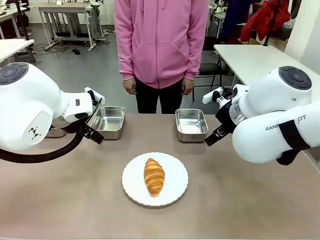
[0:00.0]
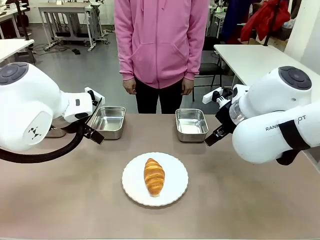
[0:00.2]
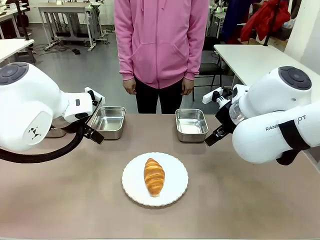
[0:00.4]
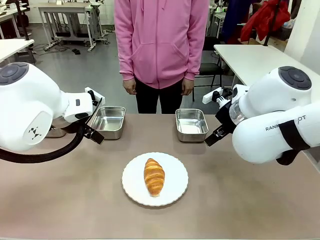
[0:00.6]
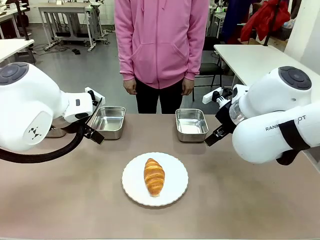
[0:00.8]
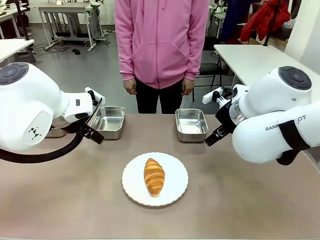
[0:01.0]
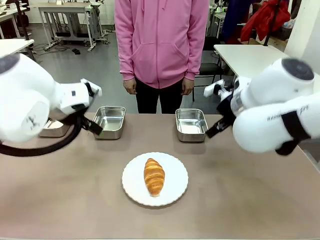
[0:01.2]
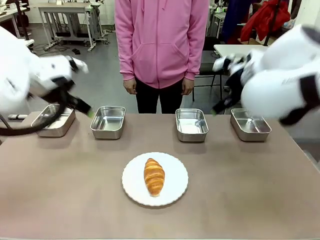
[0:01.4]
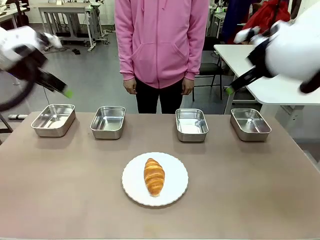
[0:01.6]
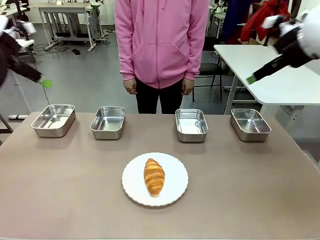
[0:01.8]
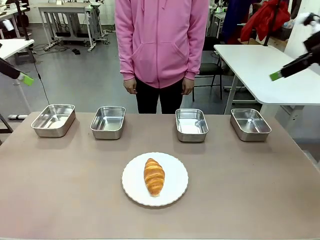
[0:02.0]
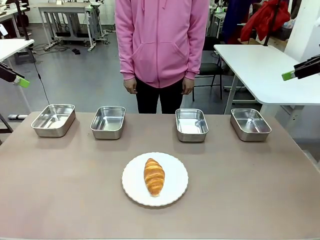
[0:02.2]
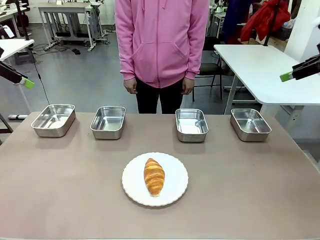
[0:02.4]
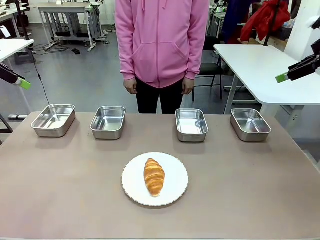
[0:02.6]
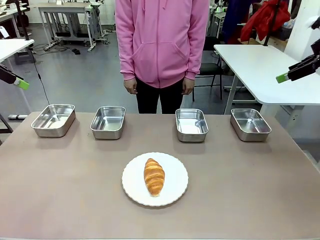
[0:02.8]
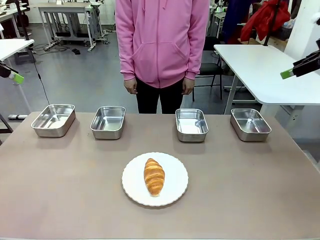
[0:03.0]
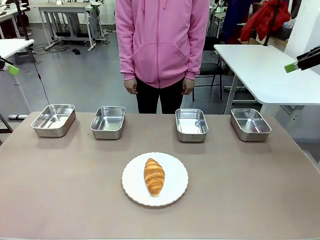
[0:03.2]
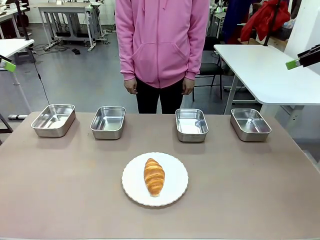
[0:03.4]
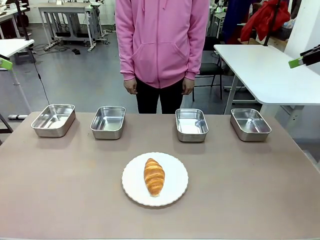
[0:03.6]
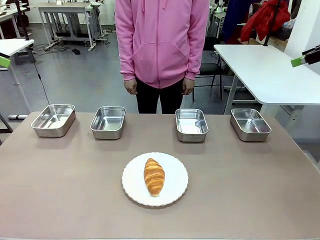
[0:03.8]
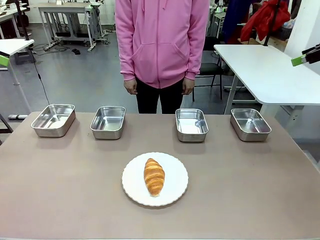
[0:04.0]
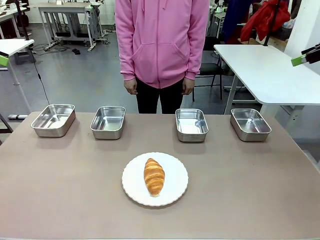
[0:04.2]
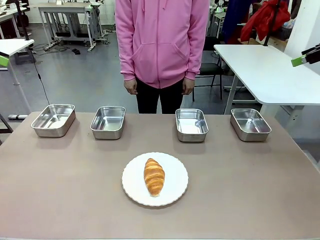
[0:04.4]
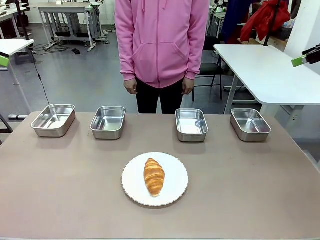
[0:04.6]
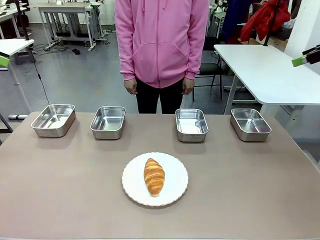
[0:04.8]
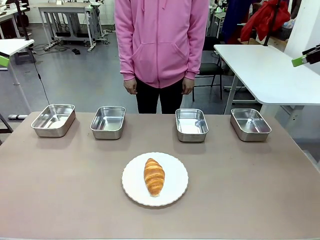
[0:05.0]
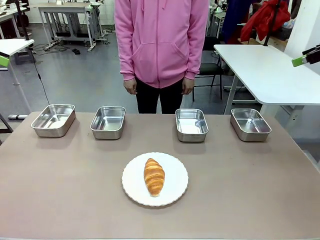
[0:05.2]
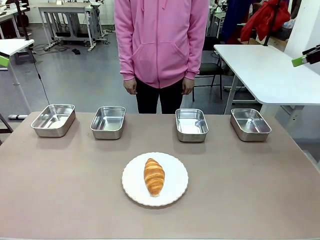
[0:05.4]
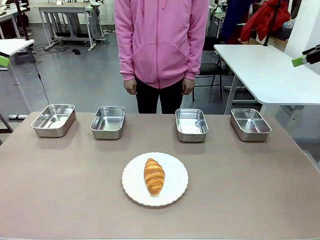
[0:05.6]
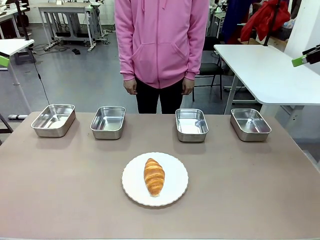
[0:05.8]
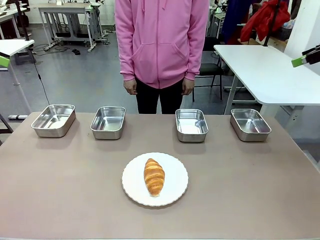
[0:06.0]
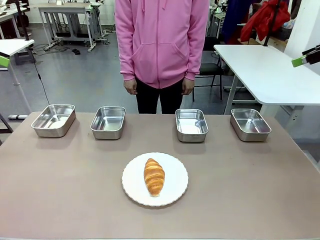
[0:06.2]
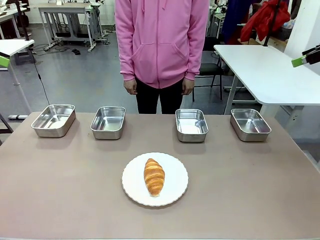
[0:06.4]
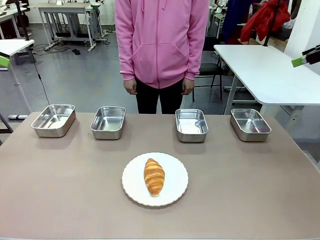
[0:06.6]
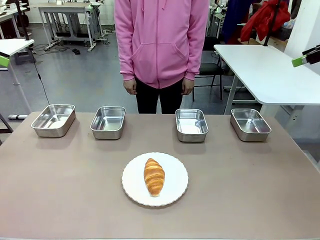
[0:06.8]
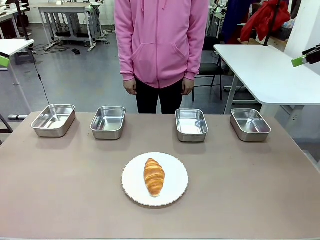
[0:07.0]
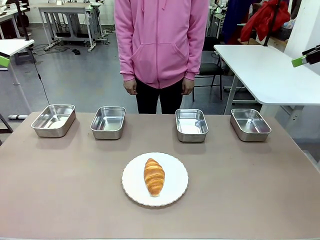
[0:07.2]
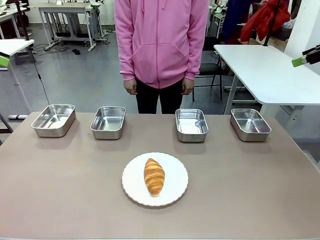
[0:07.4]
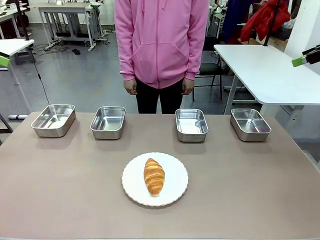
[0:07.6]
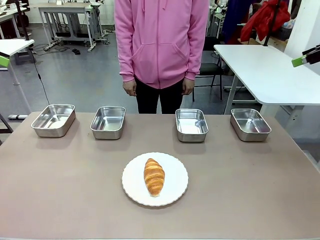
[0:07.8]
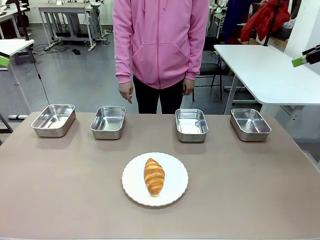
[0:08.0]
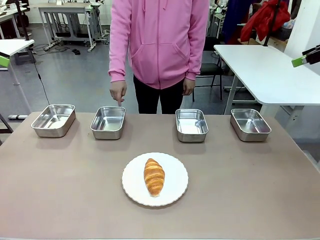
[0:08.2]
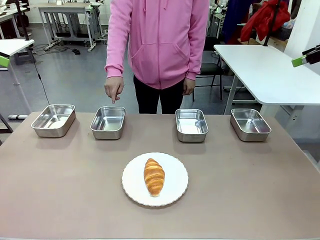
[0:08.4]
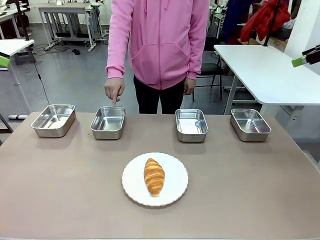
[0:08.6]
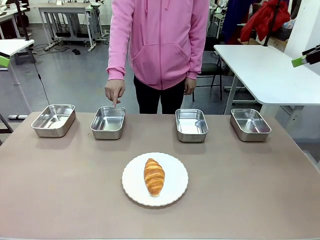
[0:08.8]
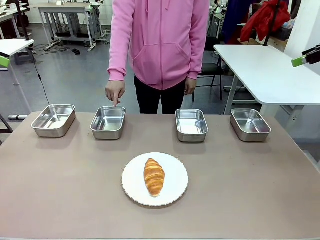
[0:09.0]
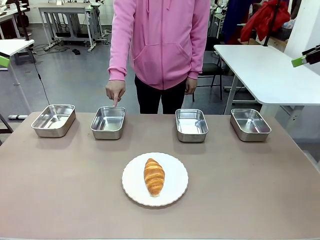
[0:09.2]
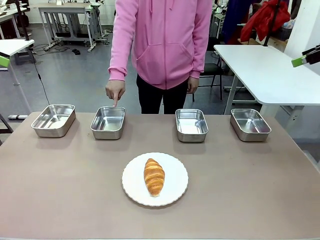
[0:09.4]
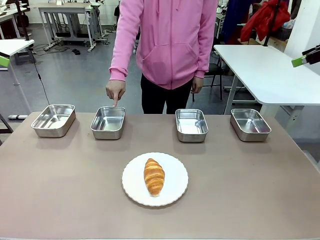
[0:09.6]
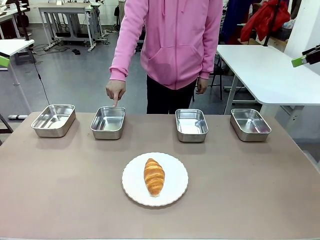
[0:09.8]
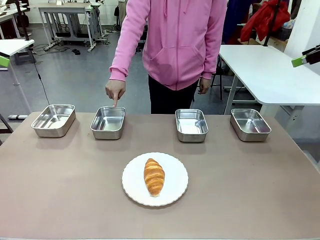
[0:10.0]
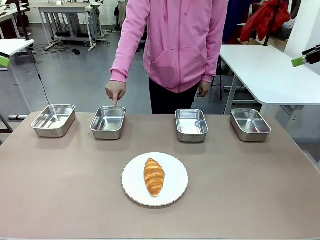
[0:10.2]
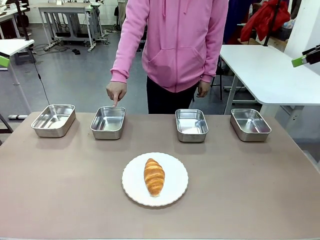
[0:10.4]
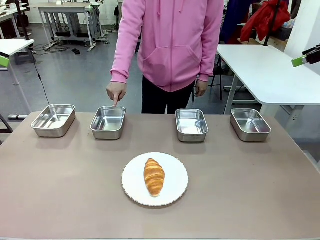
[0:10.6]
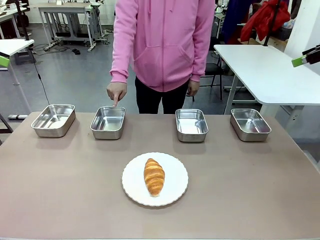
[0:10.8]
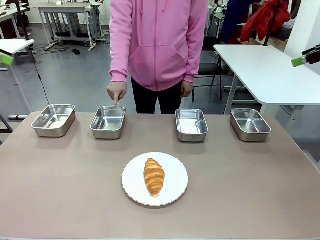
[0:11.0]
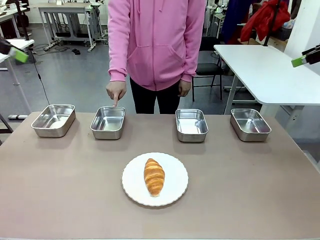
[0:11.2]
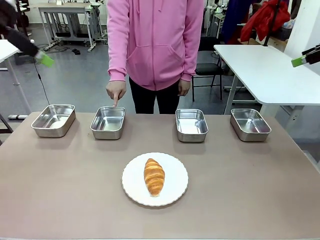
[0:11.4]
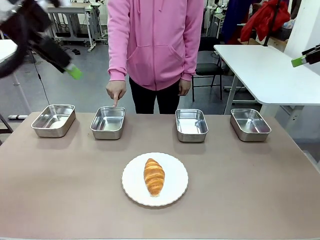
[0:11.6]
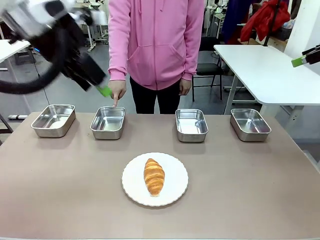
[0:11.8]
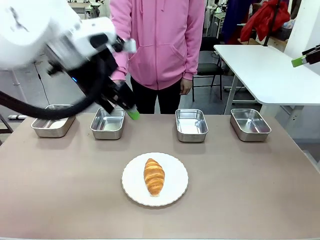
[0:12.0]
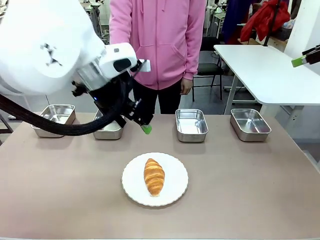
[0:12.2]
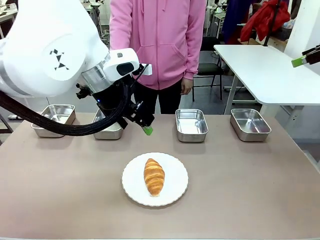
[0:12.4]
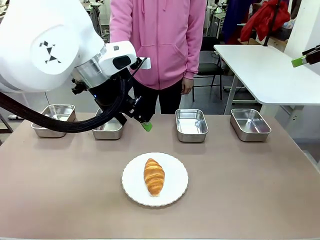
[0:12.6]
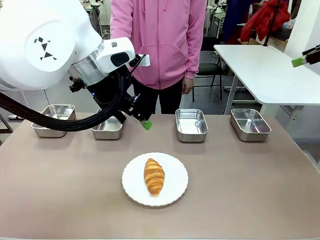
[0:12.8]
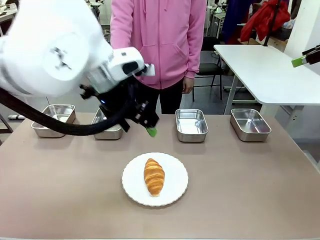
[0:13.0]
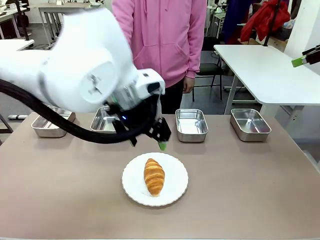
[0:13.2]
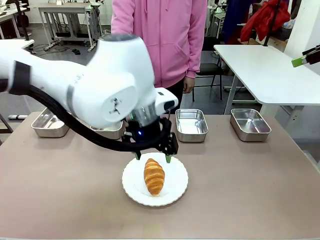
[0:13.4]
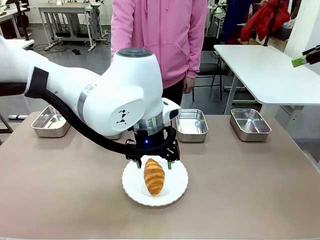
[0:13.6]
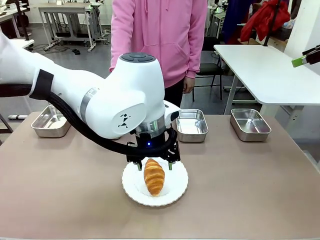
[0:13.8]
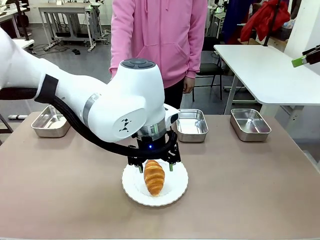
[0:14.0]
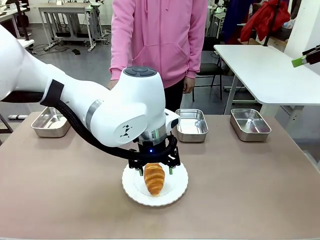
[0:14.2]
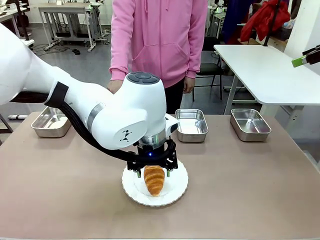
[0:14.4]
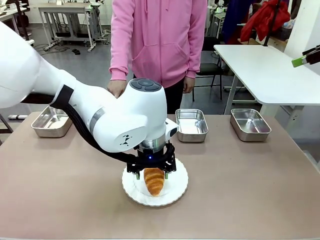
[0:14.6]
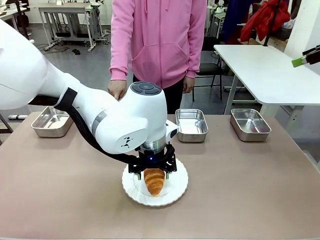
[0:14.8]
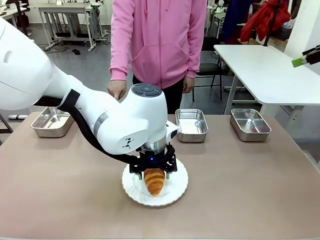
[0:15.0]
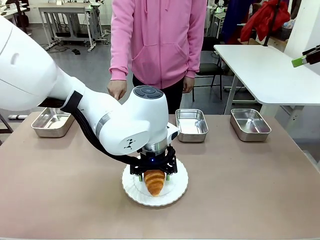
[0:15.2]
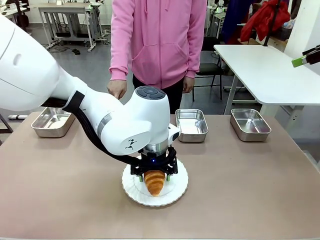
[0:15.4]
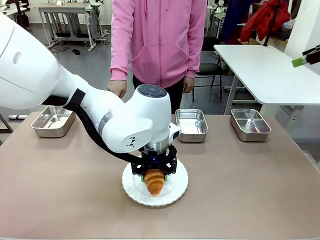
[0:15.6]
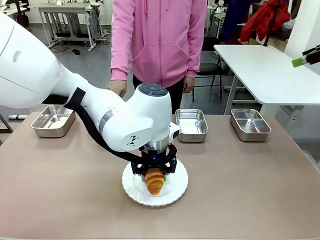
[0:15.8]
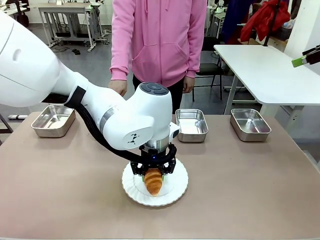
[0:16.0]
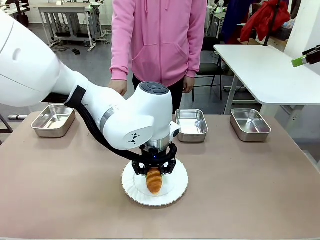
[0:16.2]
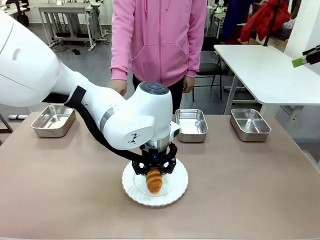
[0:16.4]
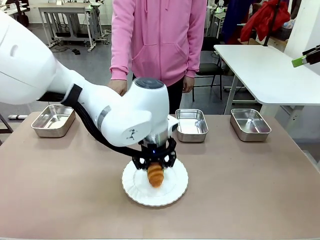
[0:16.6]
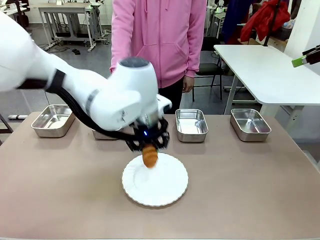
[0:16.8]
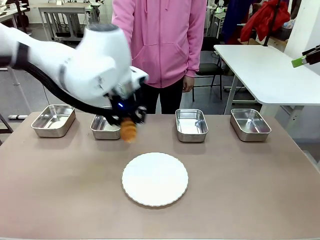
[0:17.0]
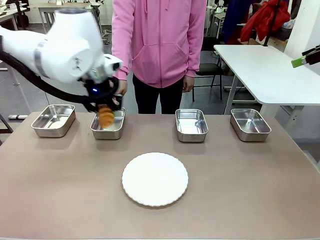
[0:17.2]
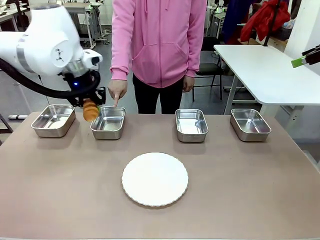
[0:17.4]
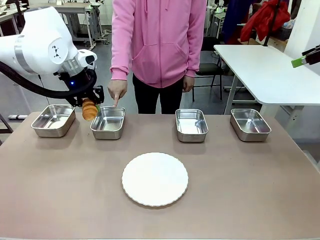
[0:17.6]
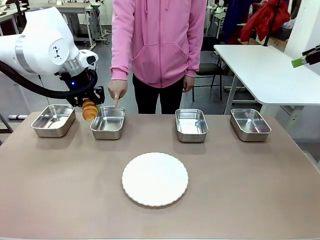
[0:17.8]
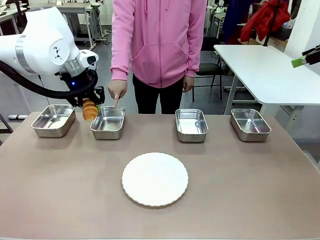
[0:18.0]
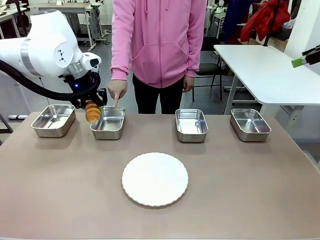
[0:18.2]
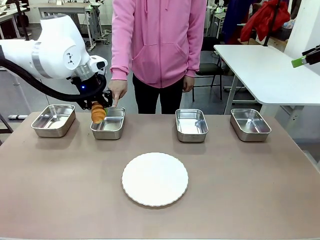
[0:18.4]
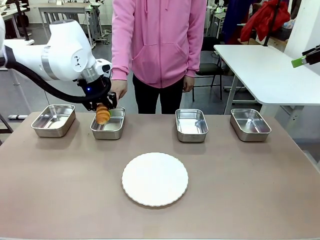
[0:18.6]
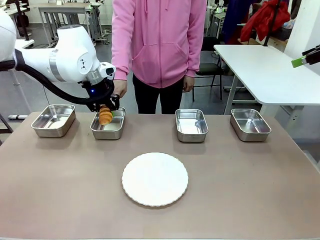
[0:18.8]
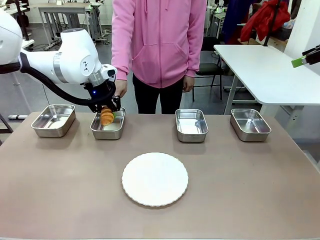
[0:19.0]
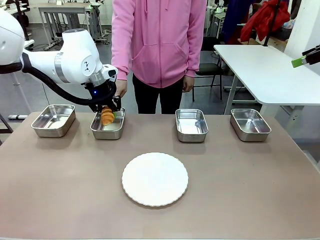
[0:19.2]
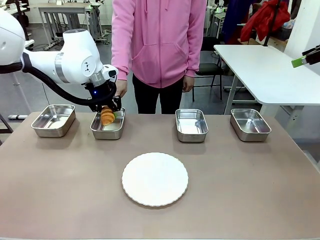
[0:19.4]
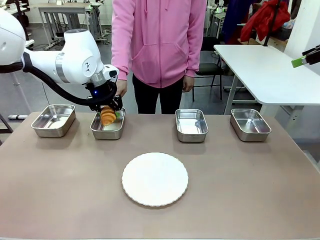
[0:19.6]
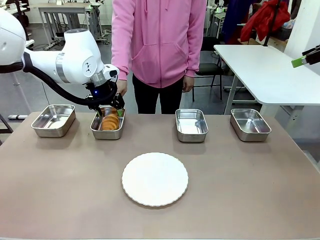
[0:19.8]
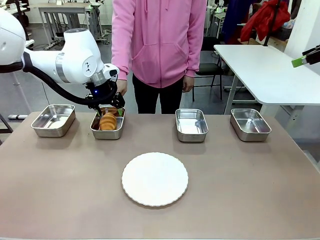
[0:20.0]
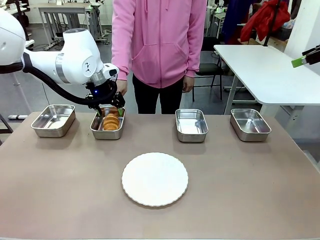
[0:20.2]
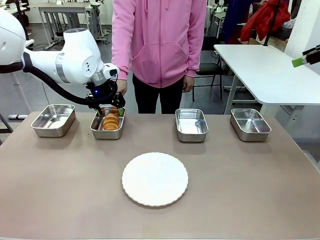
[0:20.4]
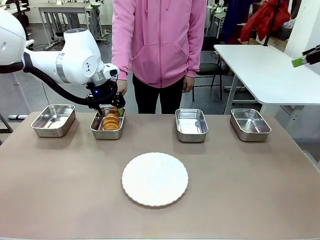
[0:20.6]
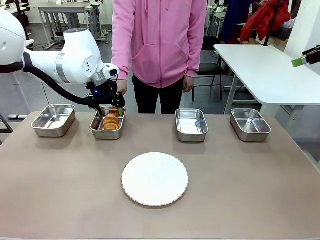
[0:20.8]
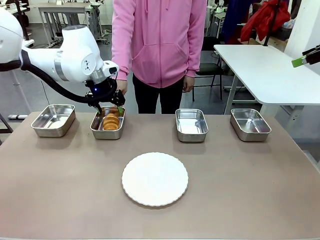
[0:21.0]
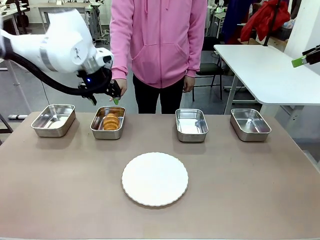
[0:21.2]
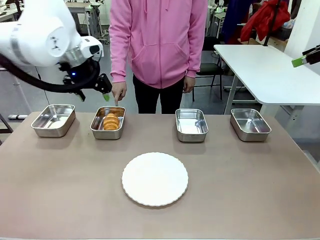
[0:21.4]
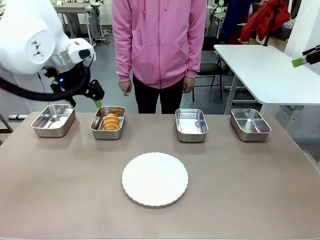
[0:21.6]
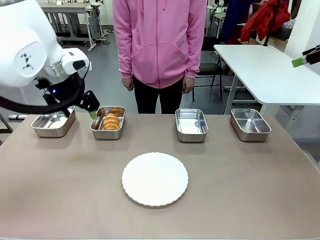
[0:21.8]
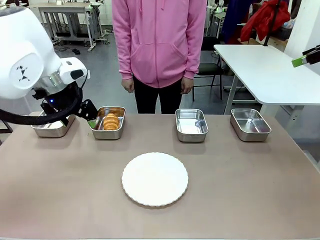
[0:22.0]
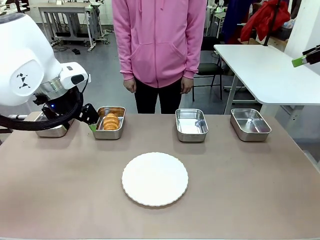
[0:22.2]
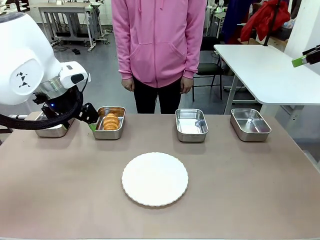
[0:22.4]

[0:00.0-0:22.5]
Task: Place the bread in the container.
Robot: Place the Butter Roll into the Airtight Container indicated by the human.
Person: A person randomly selects and points to an Airtight Container.
